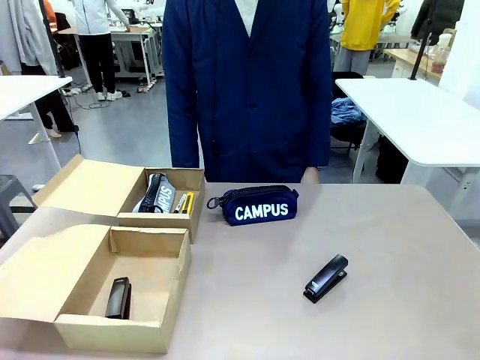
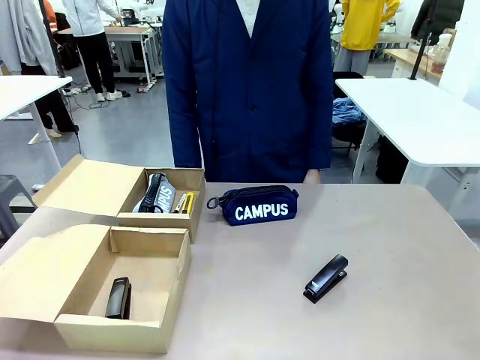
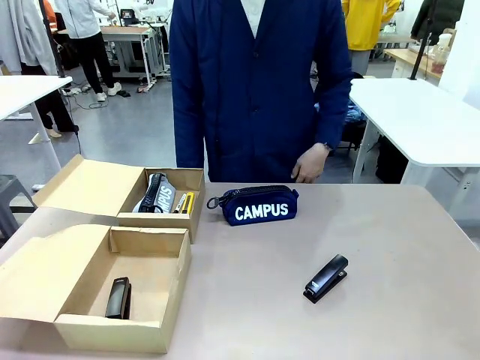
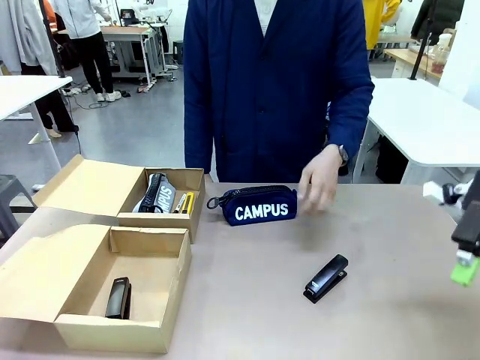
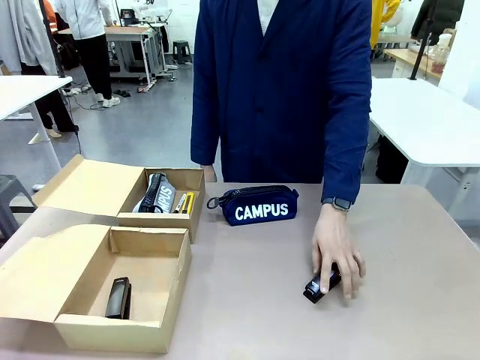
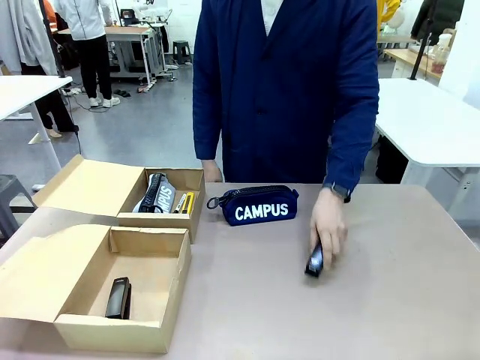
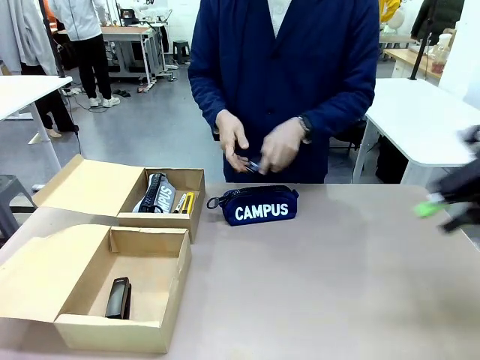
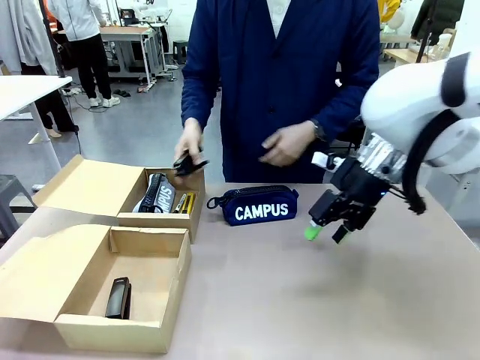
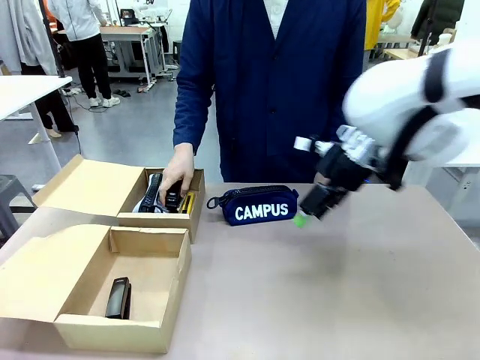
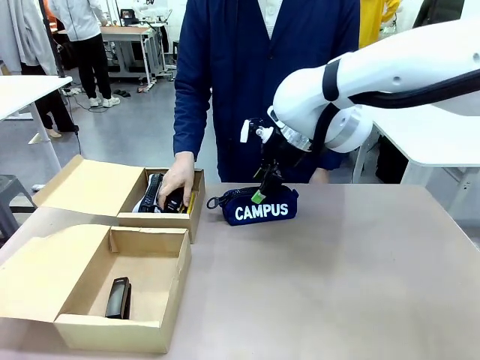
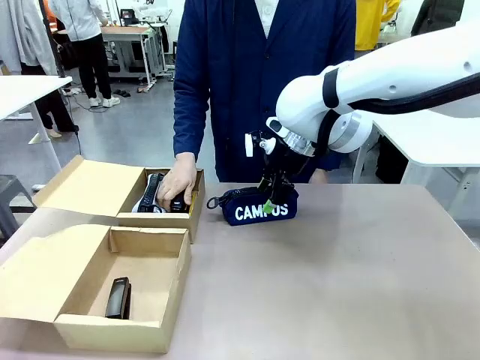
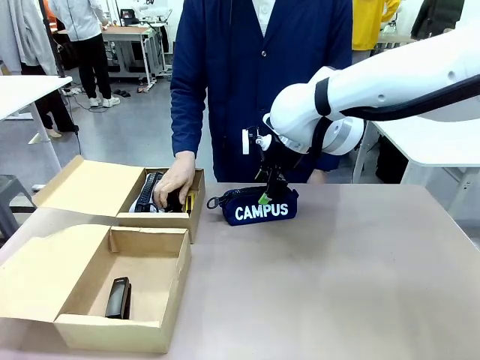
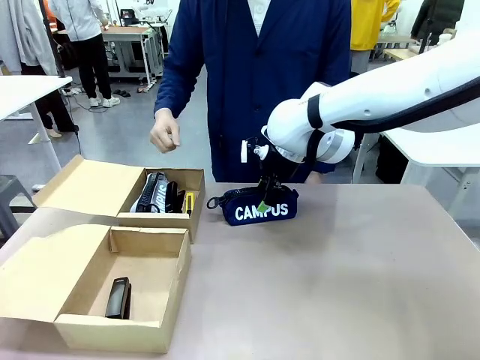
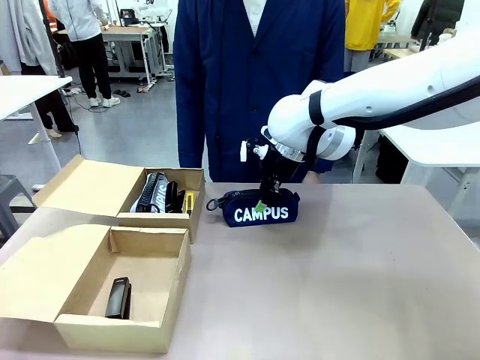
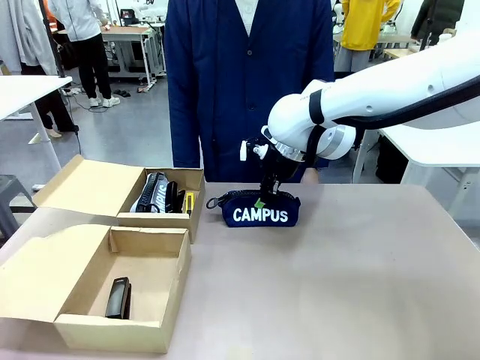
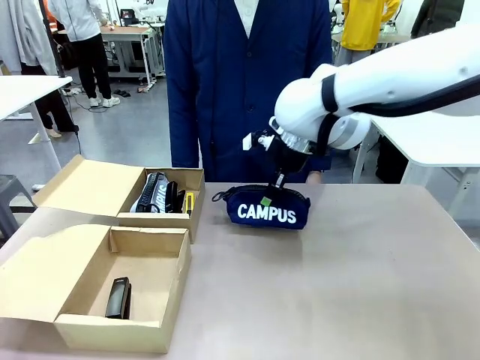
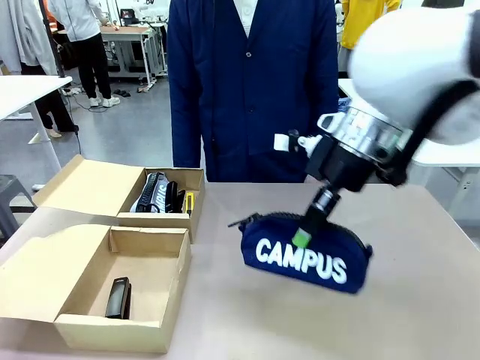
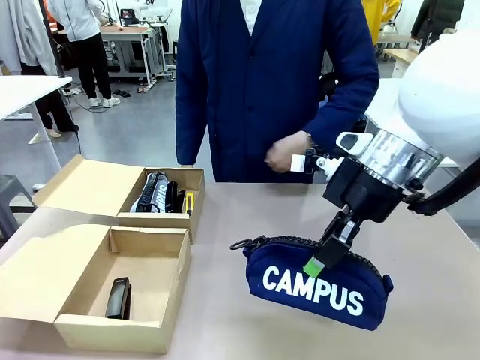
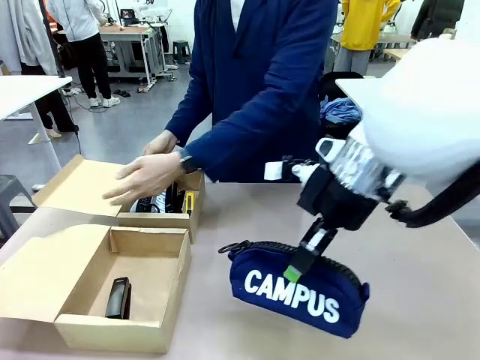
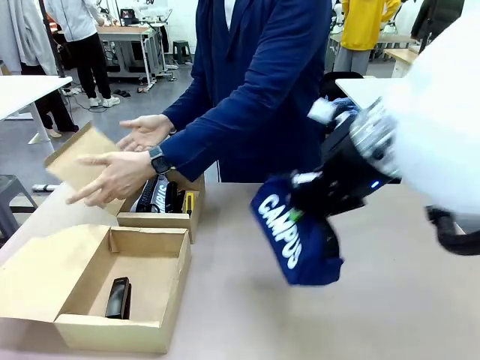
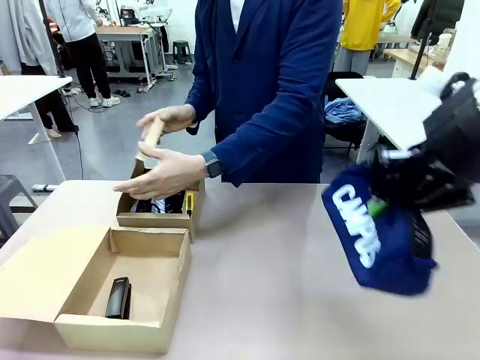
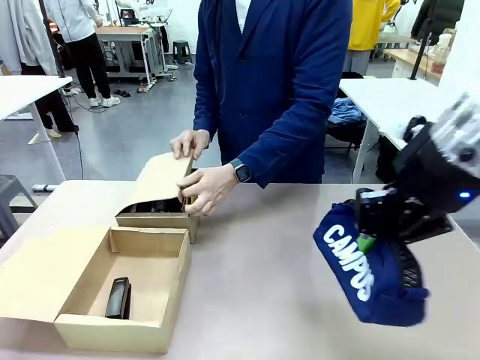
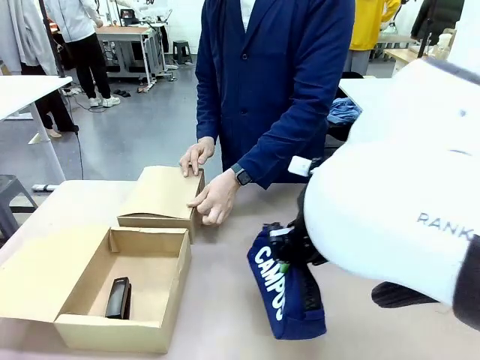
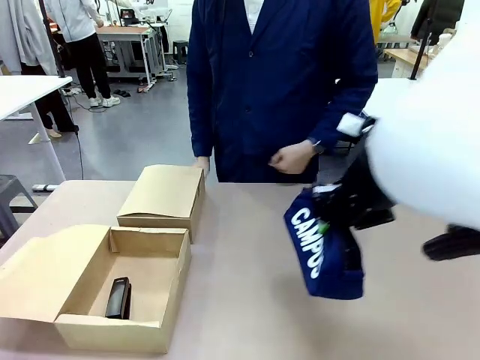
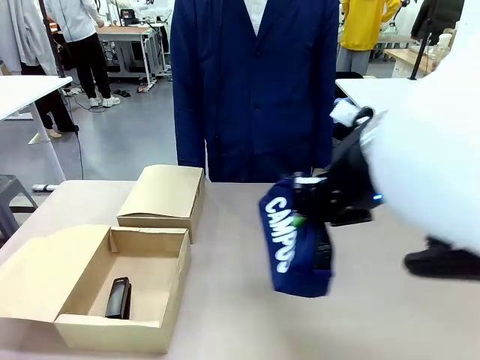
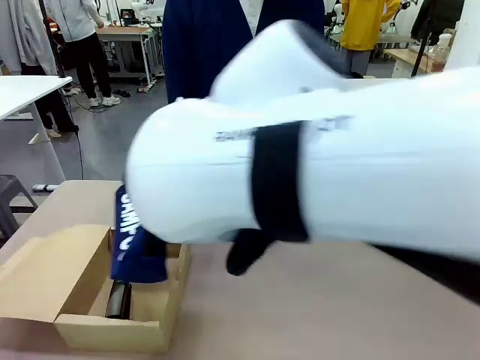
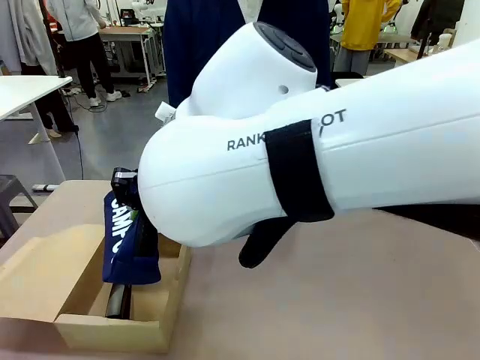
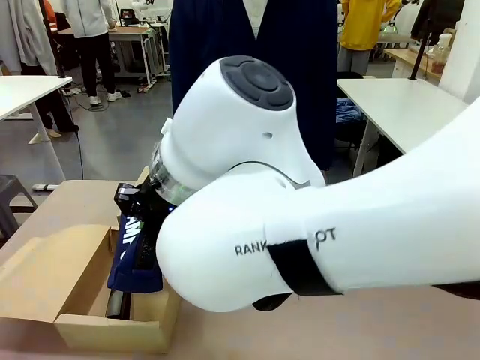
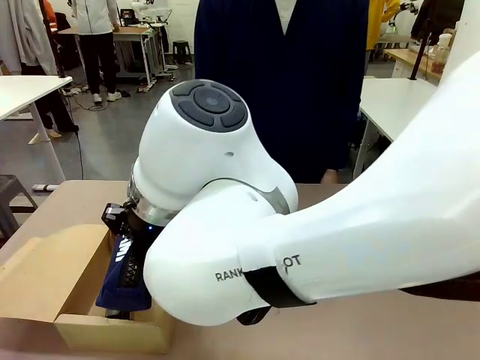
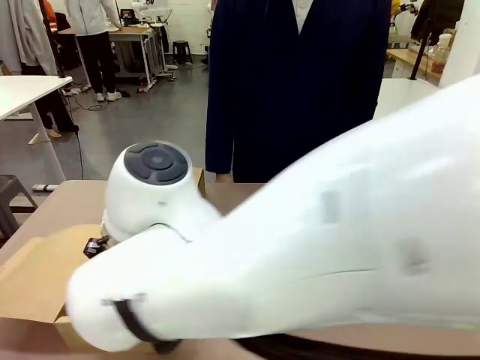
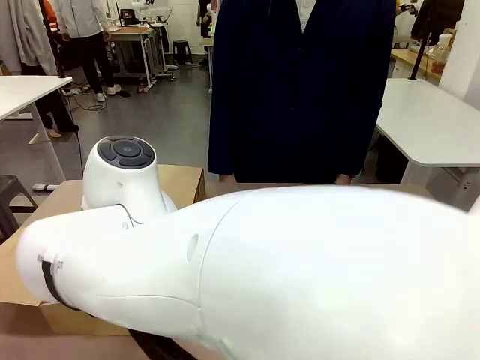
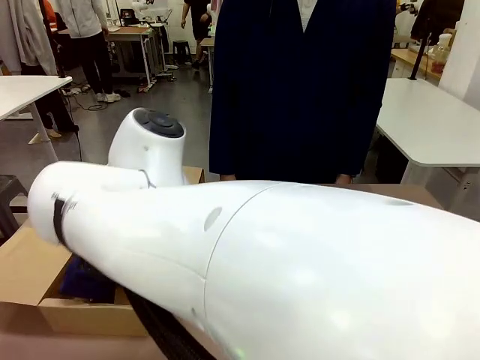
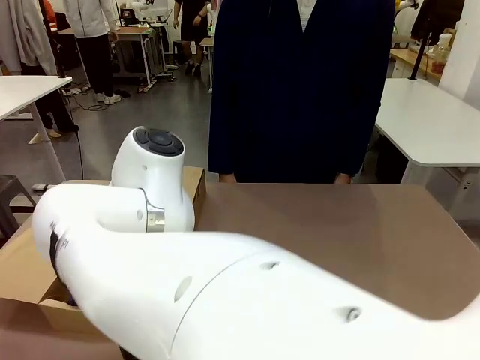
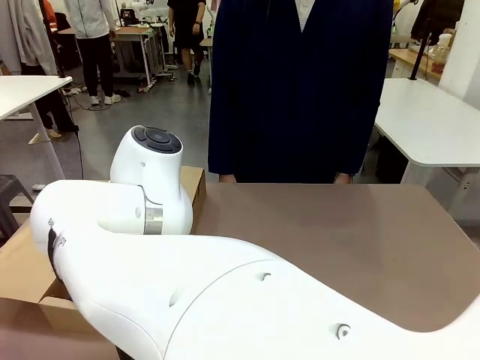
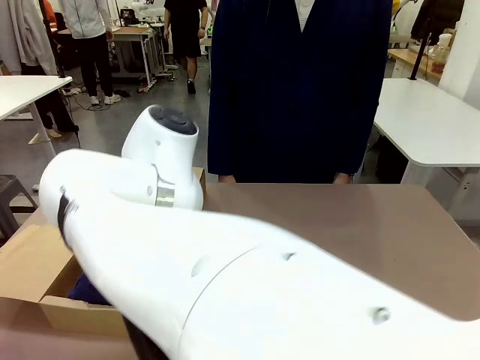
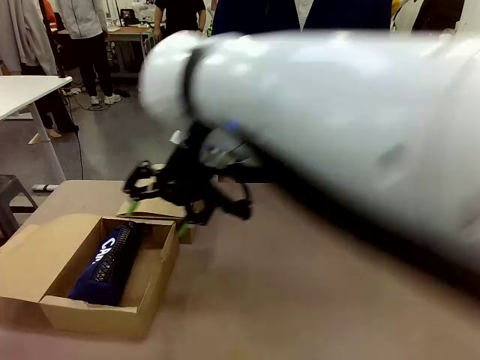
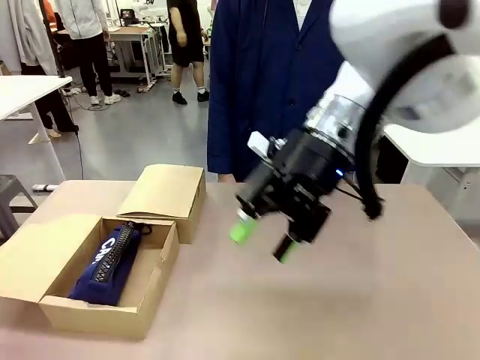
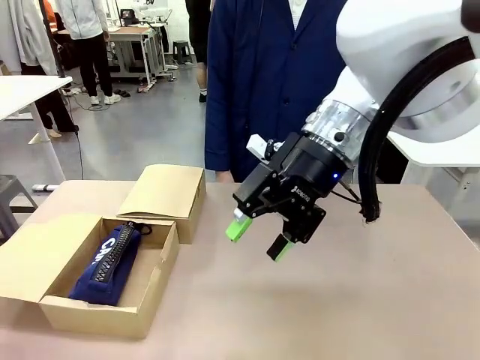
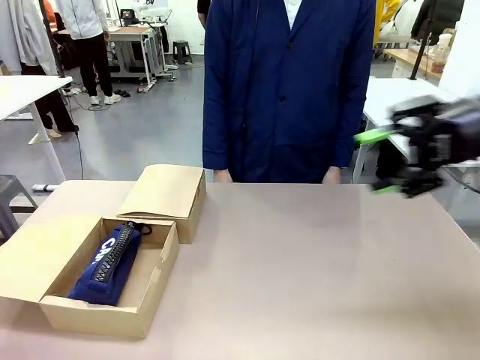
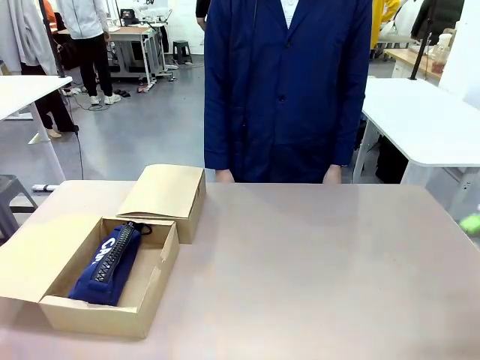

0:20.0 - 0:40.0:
Task: Place items inside the box.
Robot: Pick up a Pencil pouch or Stapler and place it inside the Mailer Box closest to the robot.
Person: Close the lid of the box facing the person.

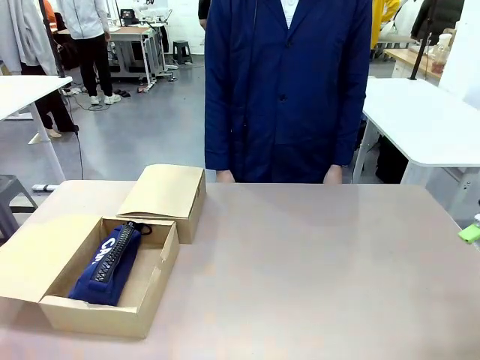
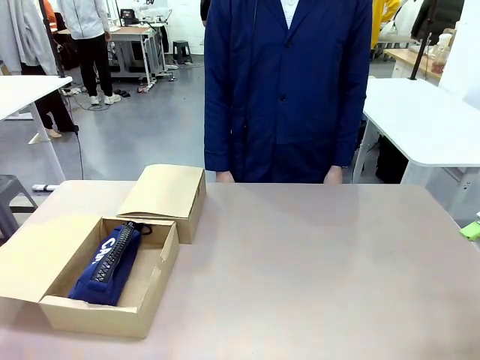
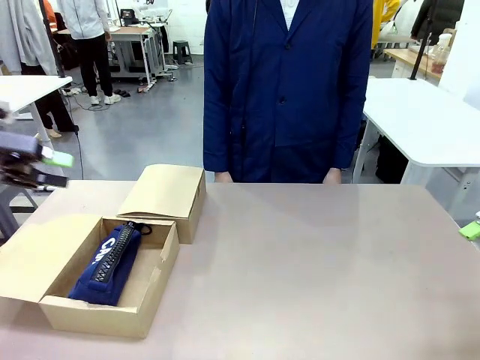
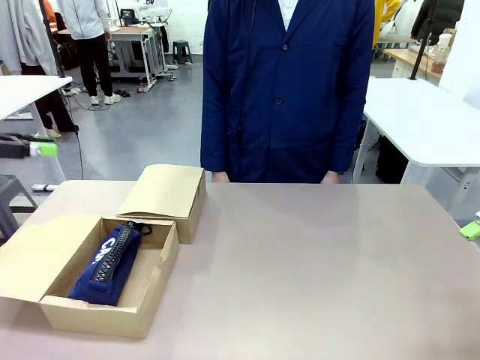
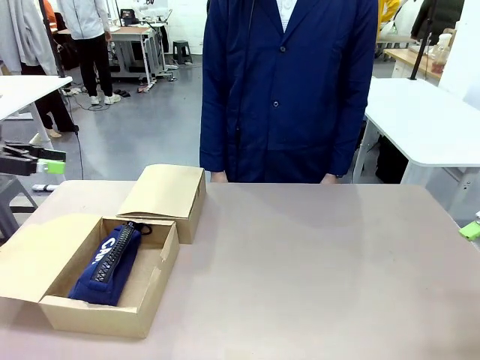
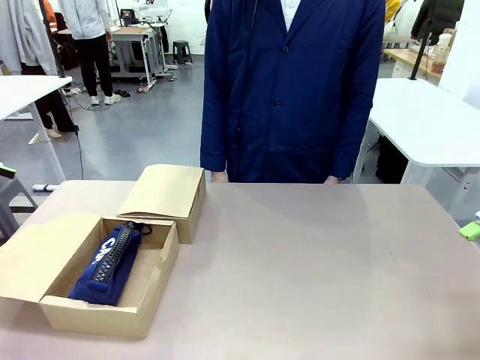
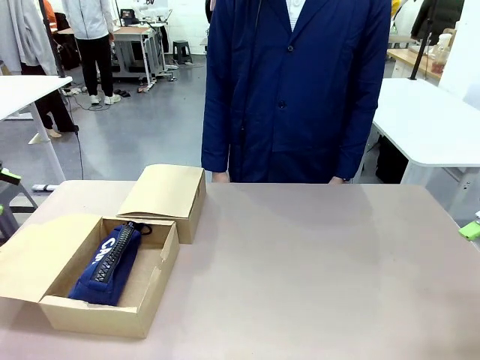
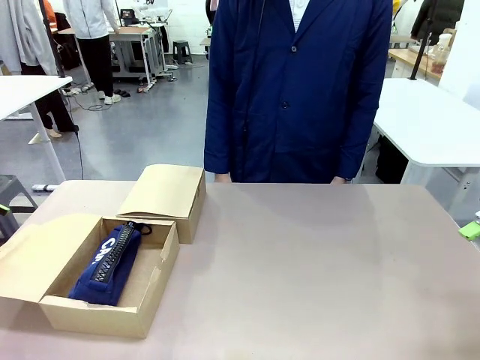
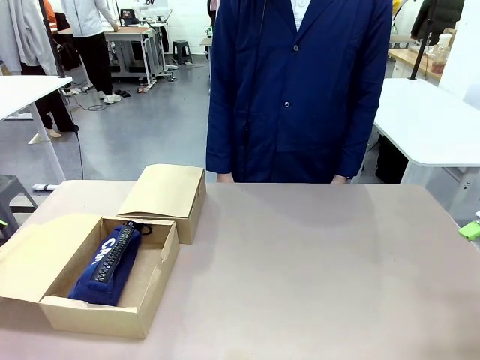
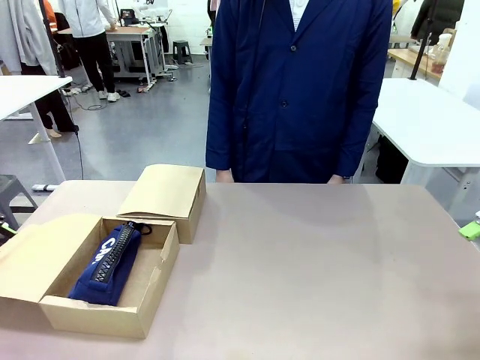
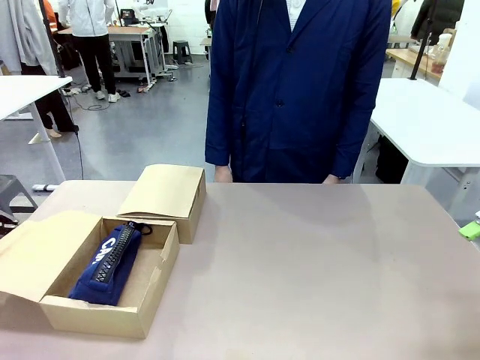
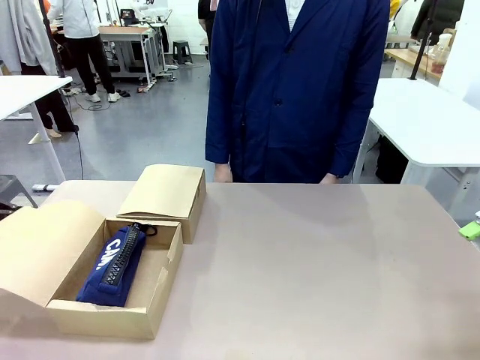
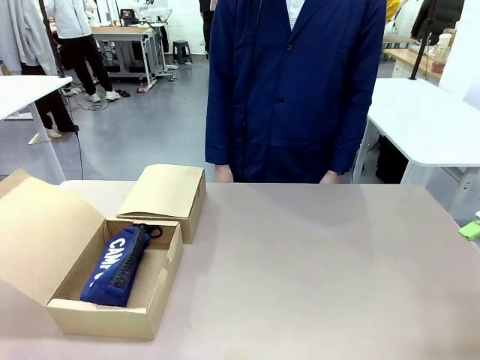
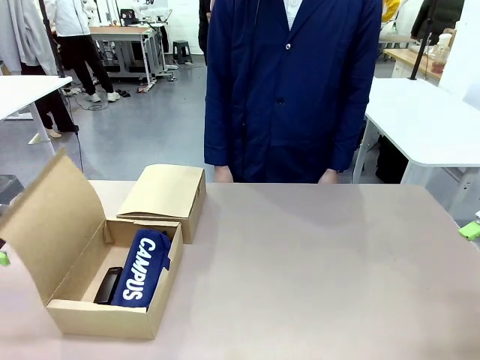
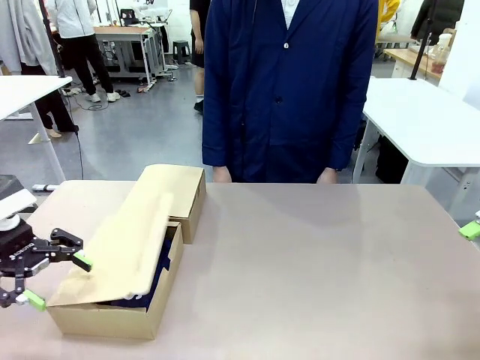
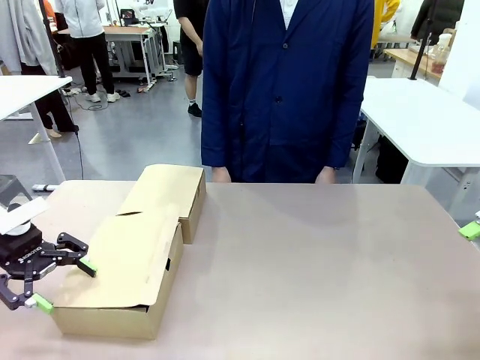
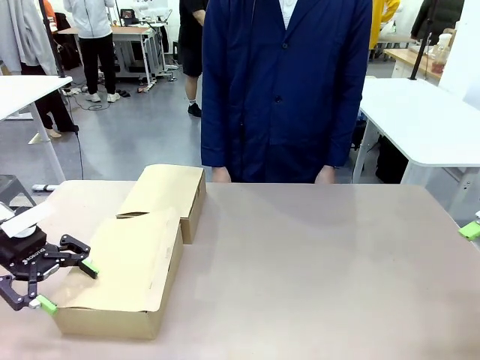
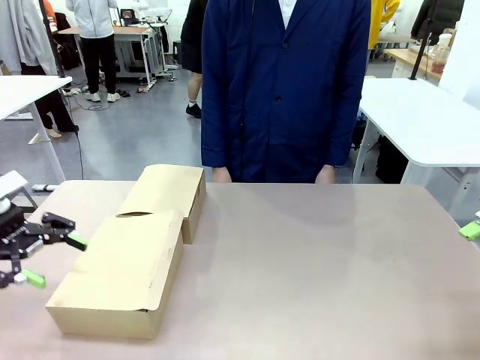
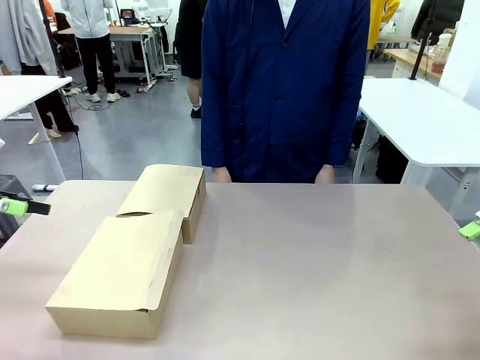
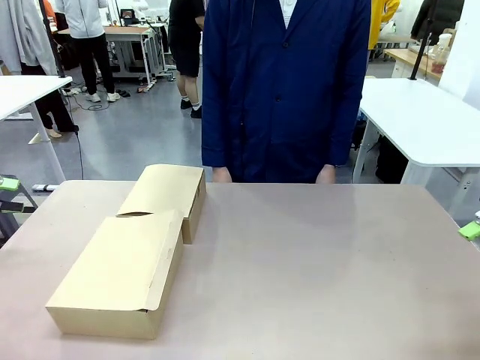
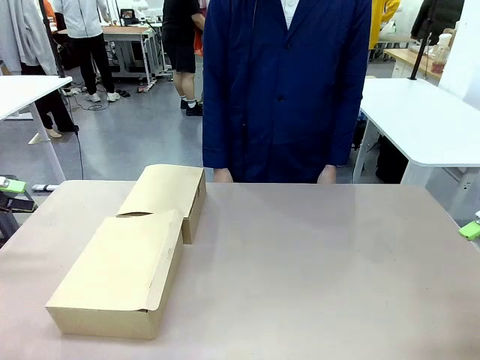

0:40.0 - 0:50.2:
Robot: Close the lid of the Mailer Box closest to the robot.
